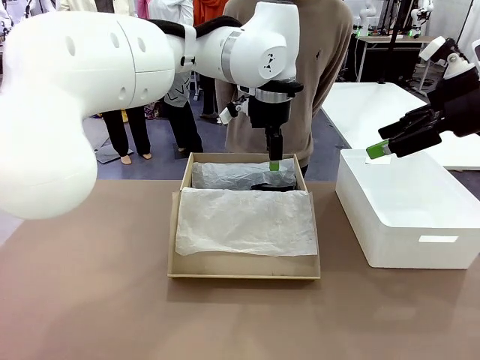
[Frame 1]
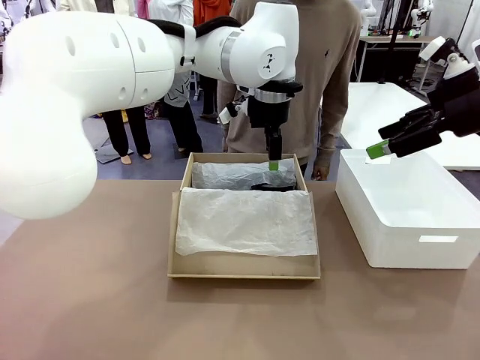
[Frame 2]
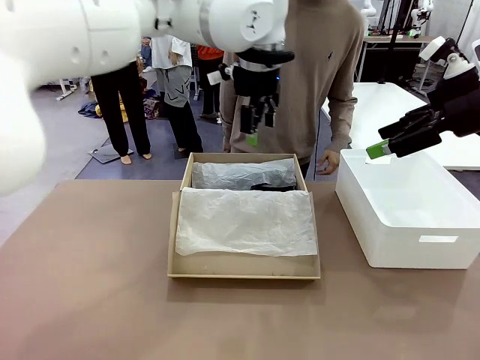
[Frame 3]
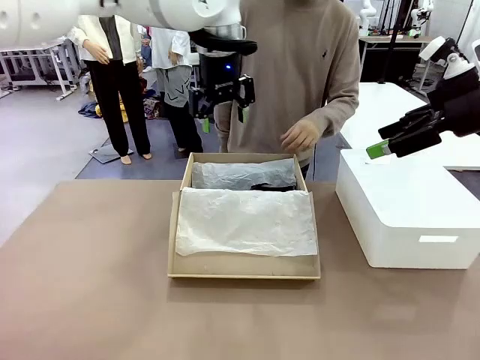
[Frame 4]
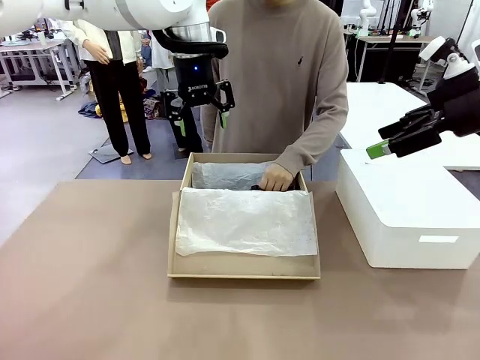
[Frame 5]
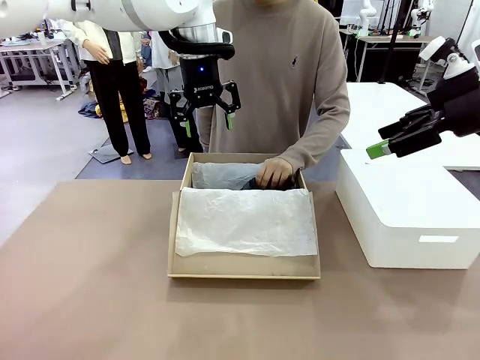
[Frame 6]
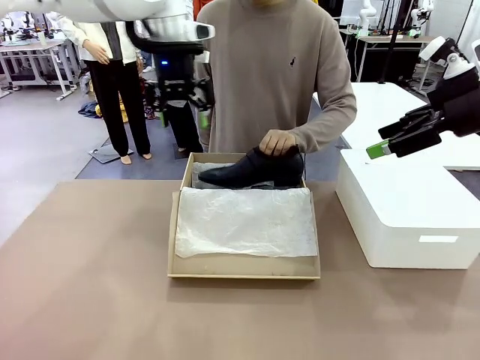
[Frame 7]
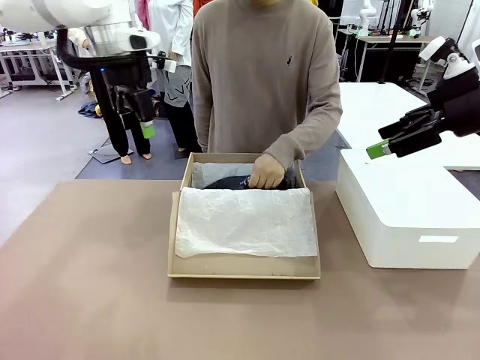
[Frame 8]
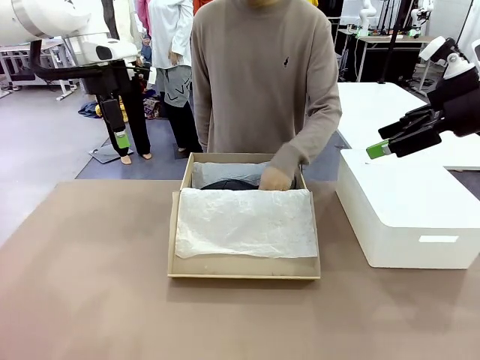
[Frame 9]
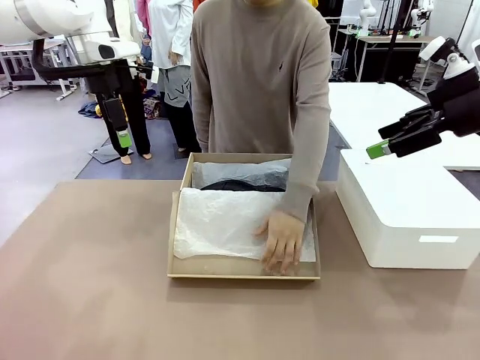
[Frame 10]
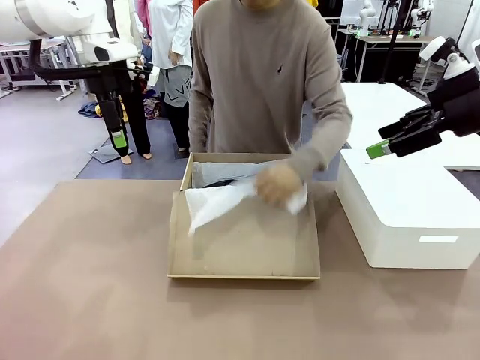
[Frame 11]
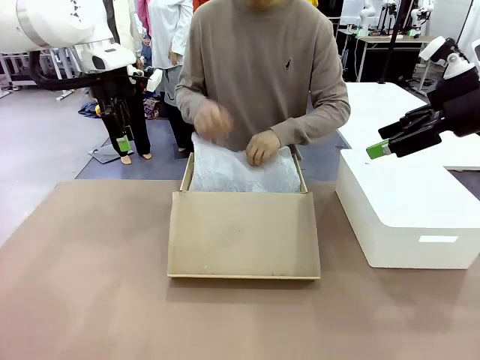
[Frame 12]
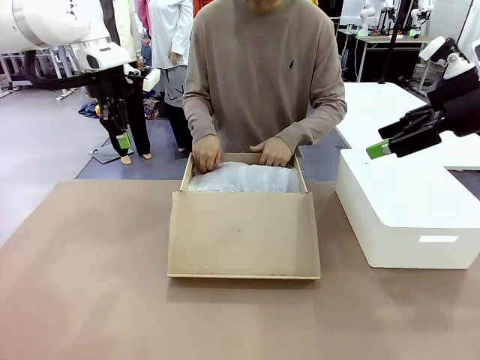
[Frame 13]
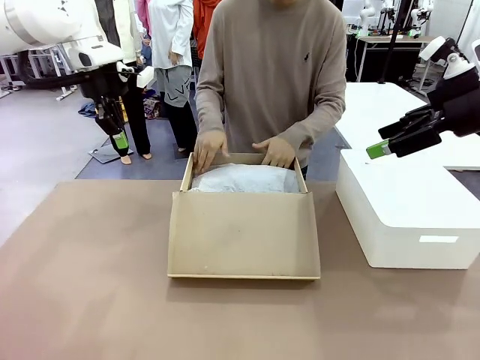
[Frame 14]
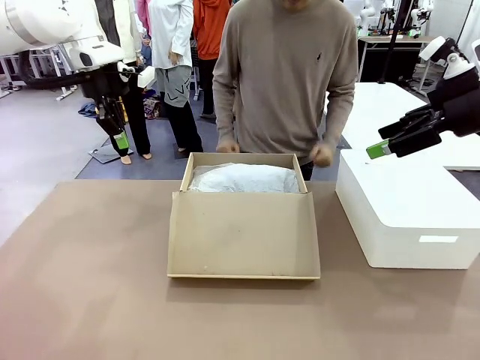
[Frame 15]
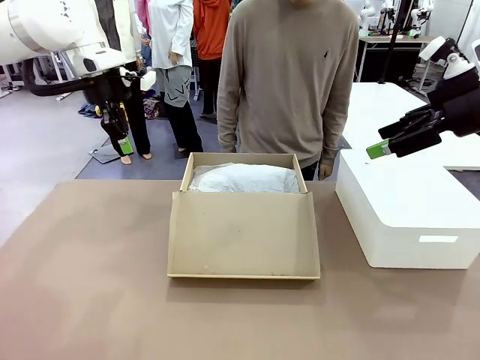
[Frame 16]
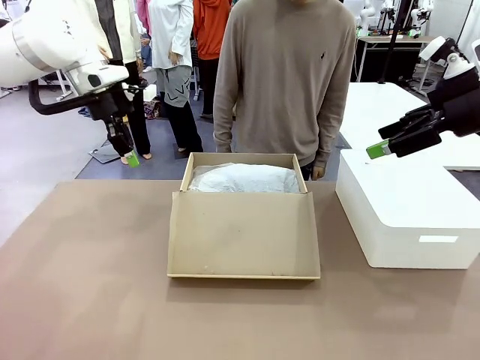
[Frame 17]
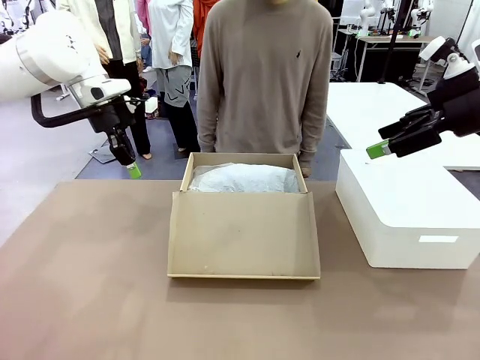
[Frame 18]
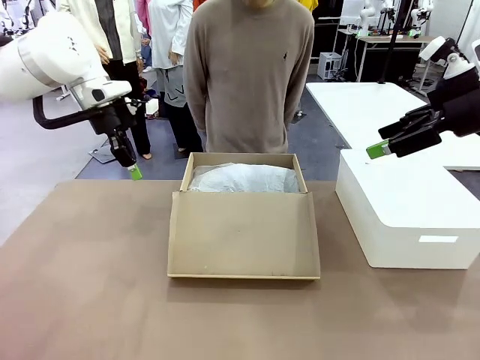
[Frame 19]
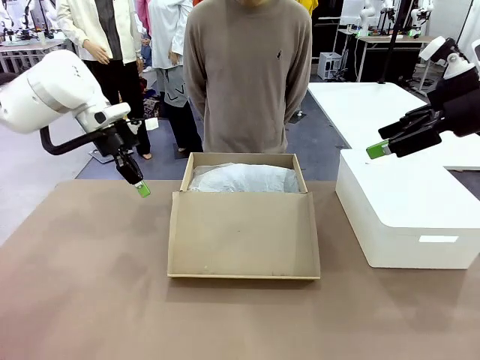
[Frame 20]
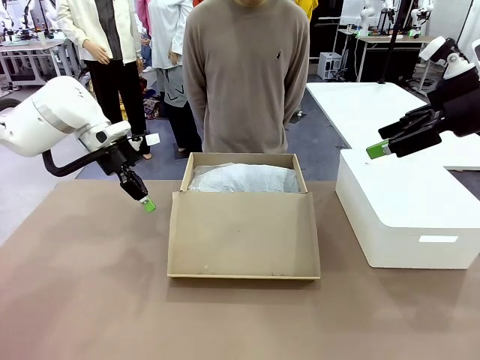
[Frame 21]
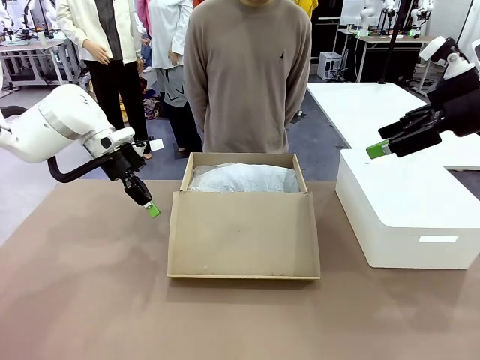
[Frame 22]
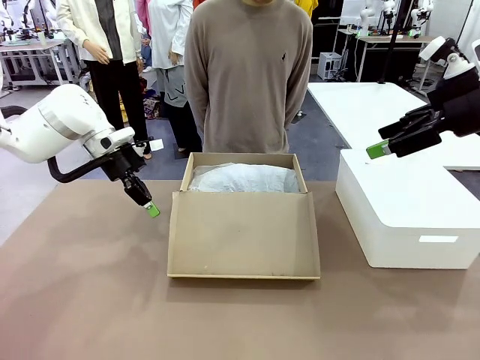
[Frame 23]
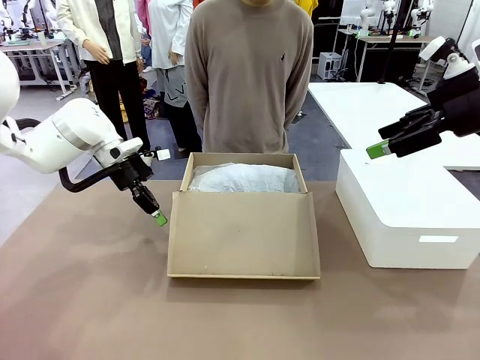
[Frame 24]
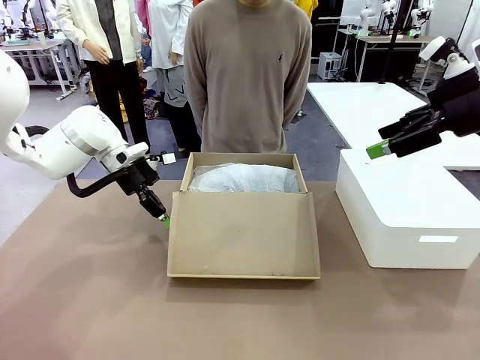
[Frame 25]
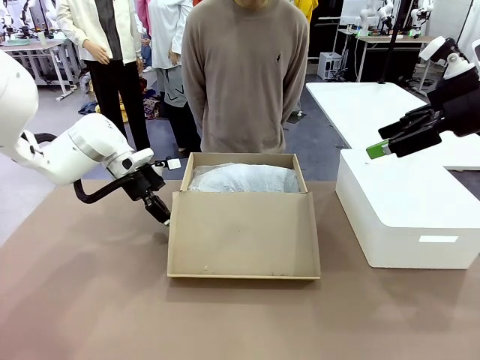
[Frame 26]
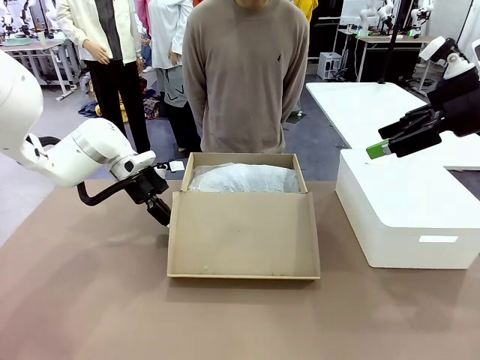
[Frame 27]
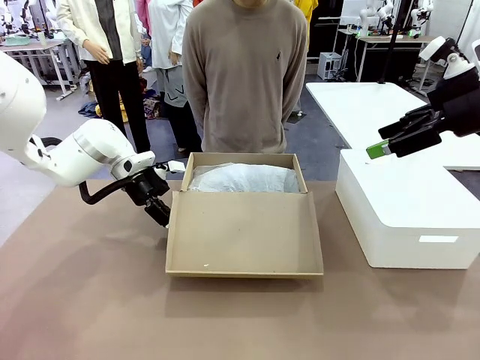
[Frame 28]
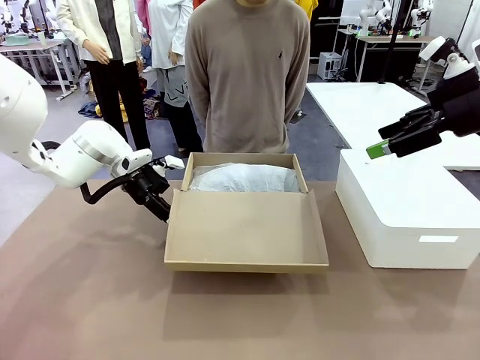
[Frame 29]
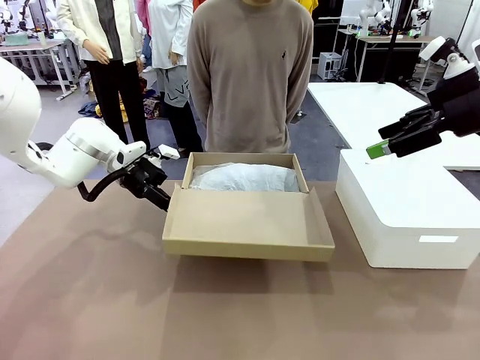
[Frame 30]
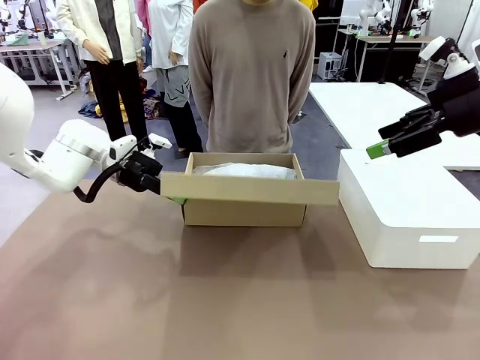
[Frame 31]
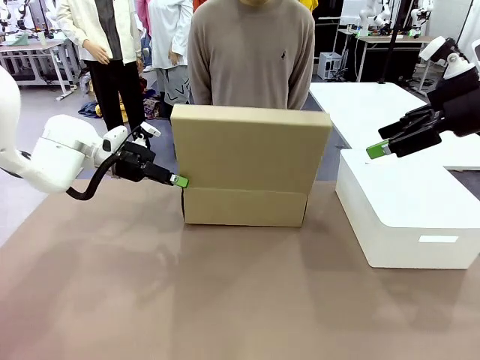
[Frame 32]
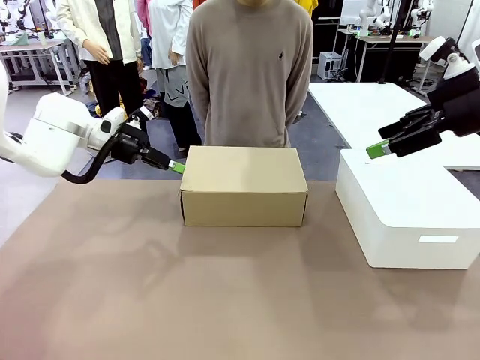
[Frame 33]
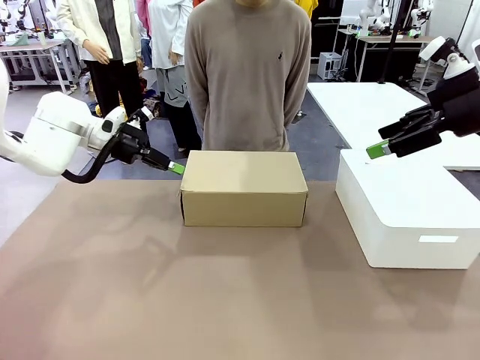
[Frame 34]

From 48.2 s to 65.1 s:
Task: Pack the shoes into the box.
Robot: Close the Shoes Box.

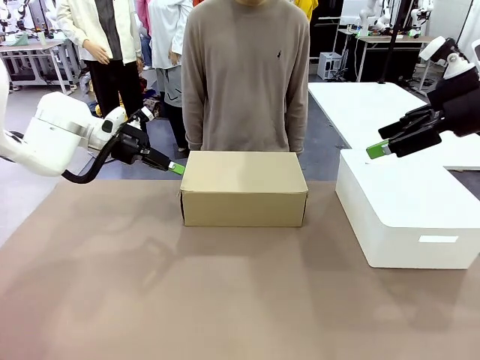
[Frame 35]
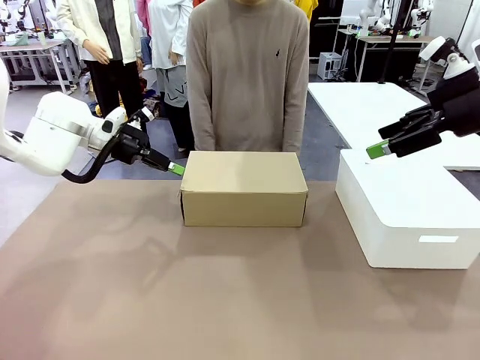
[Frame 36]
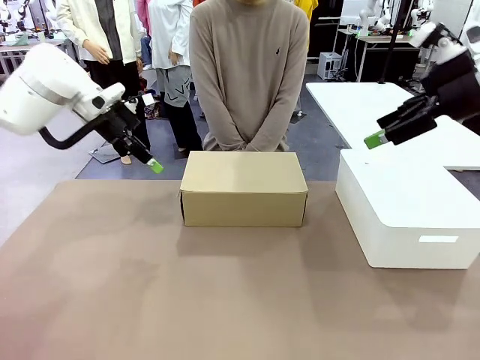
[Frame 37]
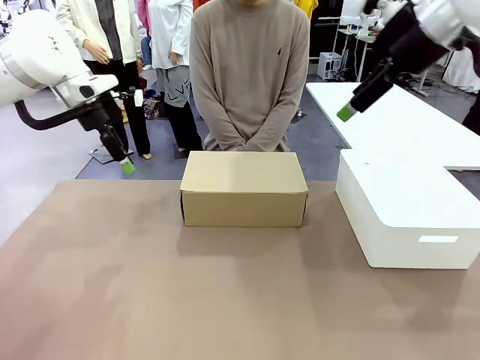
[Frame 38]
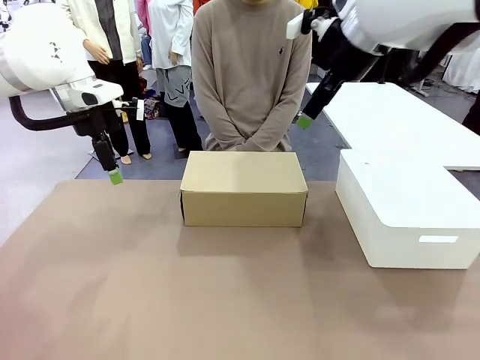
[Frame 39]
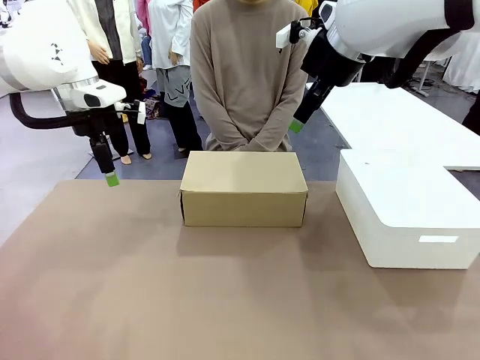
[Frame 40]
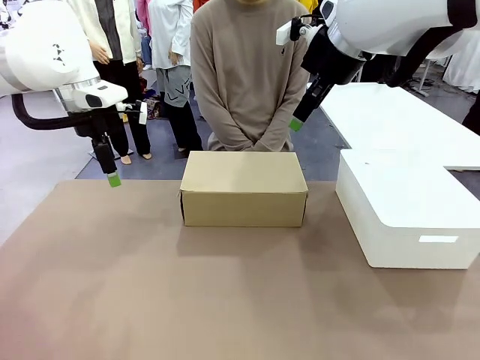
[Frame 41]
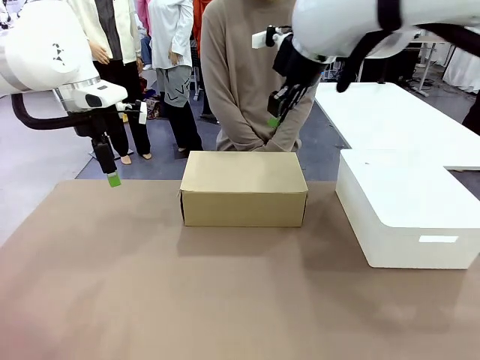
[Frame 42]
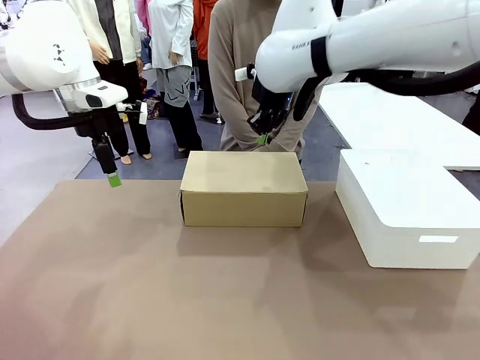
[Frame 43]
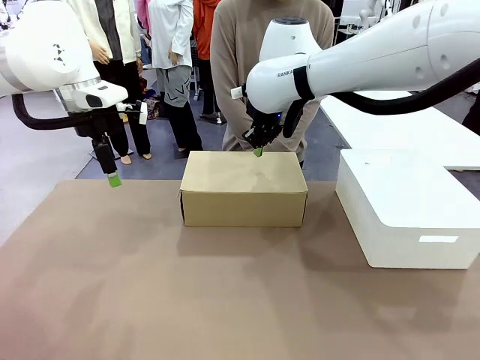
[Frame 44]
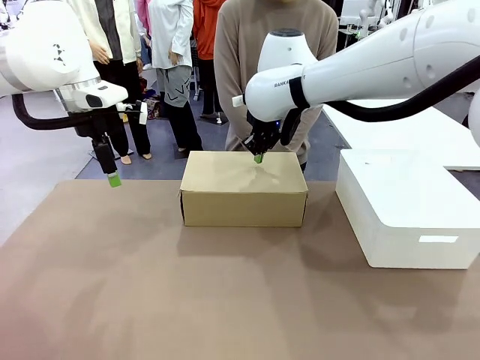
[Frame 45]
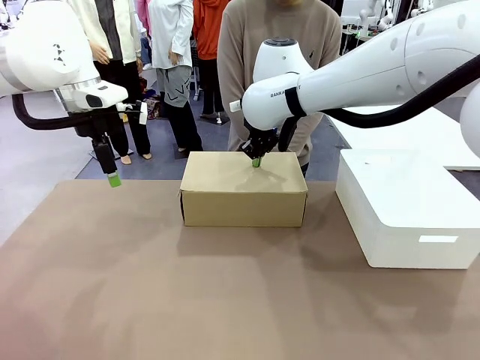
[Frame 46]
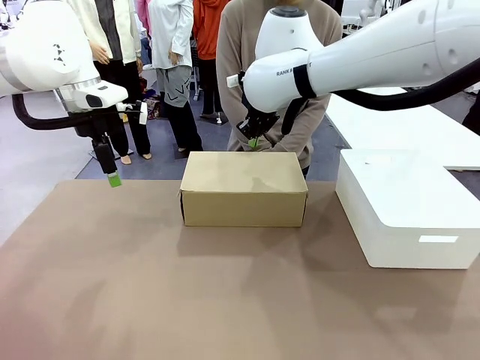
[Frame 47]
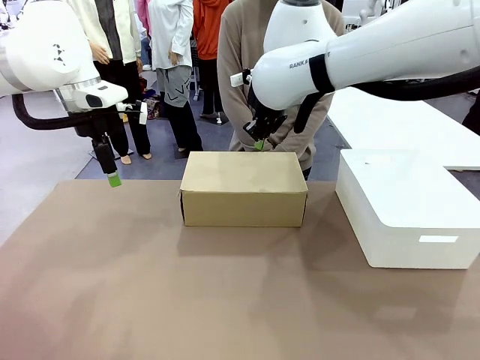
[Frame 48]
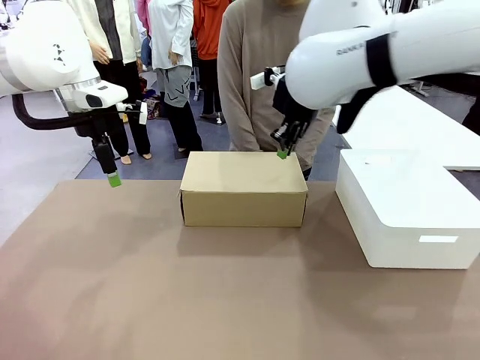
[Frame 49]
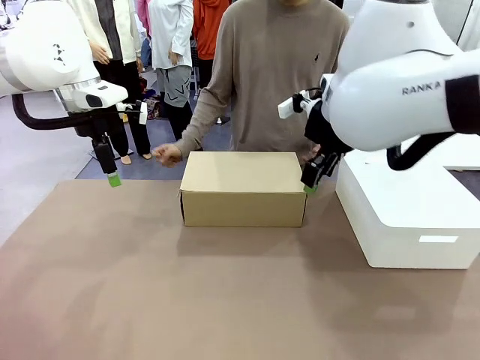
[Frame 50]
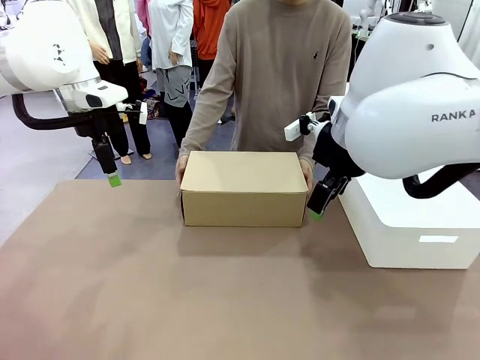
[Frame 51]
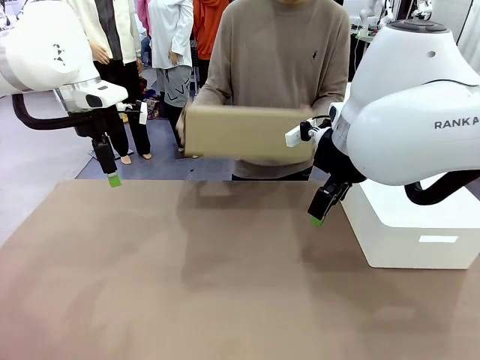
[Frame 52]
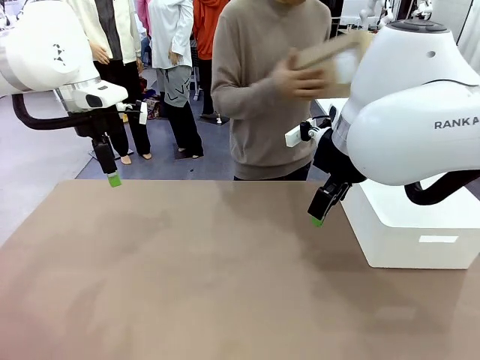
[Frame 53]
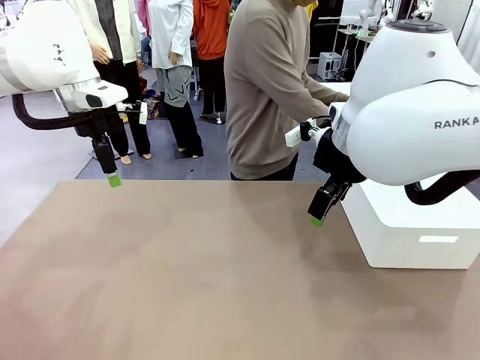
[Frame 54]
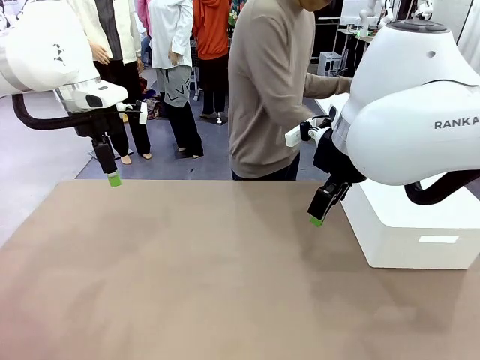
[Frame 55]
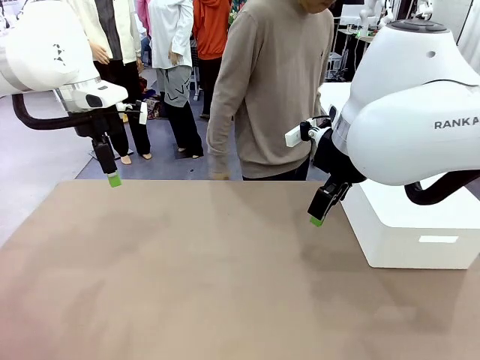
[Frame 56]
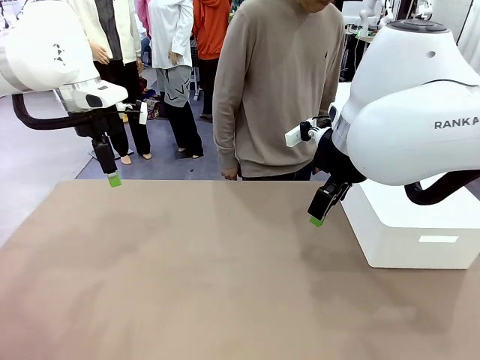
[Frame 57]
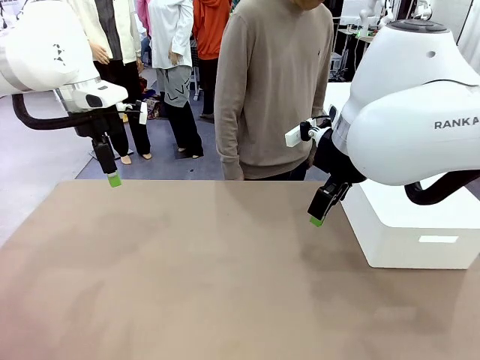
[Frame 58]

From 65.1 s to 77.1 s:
Robot: Press down on the lid of the Shoes Box.
Person: Place the closed Shoes Box to the right side of the human table.
